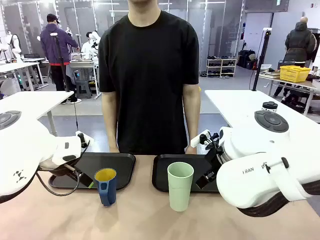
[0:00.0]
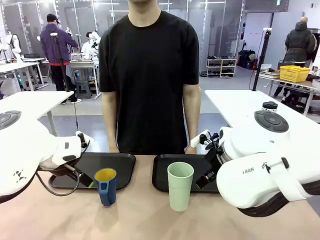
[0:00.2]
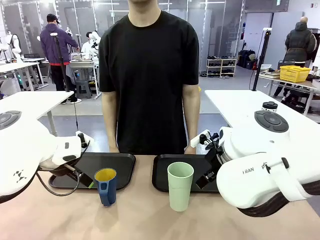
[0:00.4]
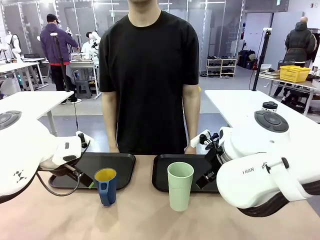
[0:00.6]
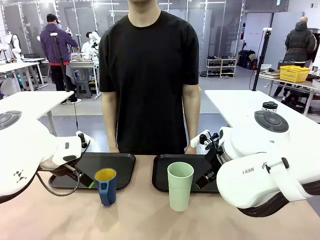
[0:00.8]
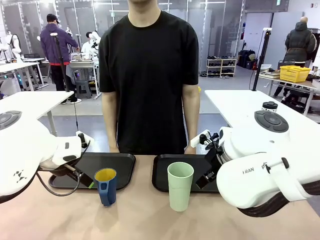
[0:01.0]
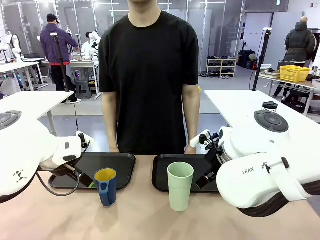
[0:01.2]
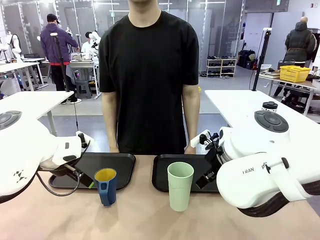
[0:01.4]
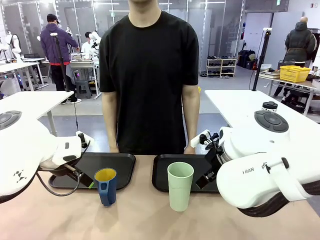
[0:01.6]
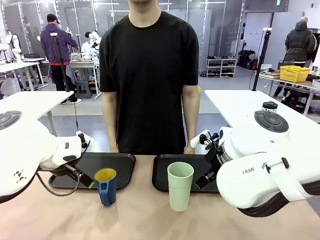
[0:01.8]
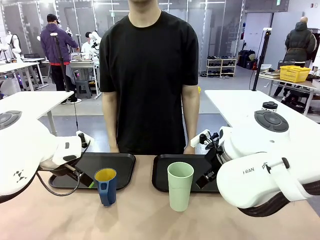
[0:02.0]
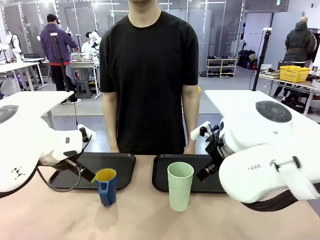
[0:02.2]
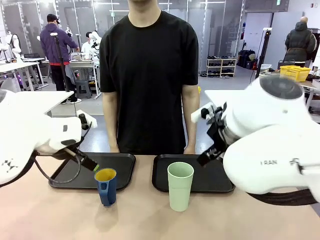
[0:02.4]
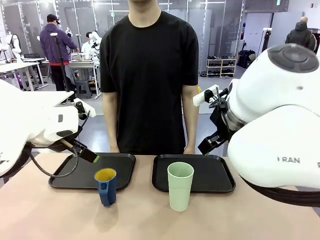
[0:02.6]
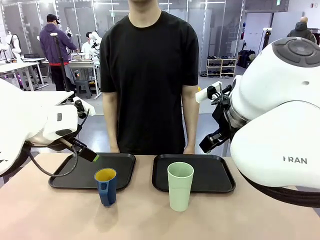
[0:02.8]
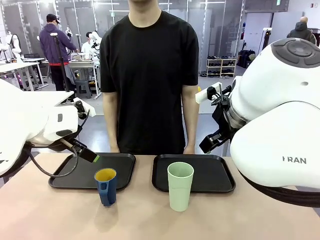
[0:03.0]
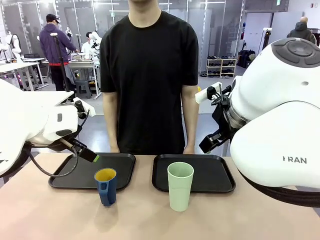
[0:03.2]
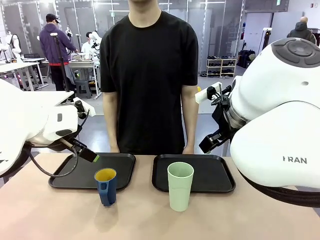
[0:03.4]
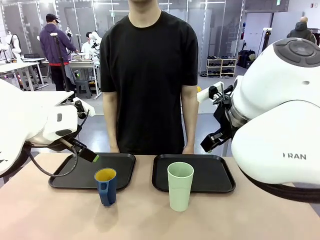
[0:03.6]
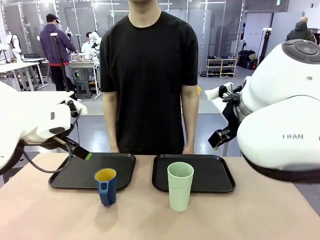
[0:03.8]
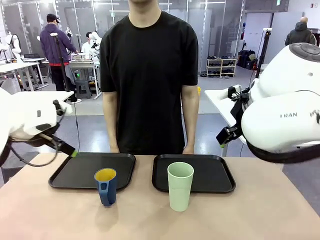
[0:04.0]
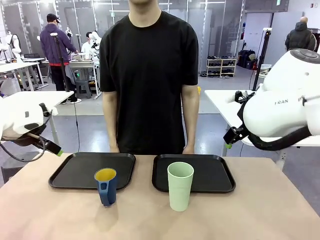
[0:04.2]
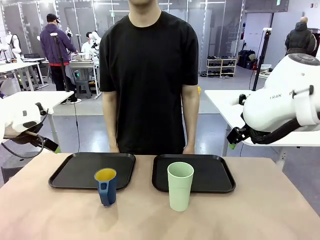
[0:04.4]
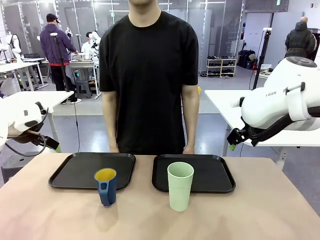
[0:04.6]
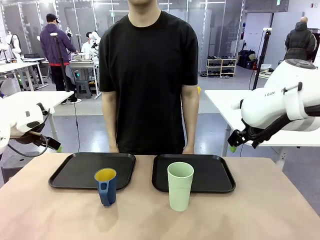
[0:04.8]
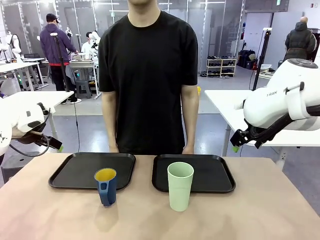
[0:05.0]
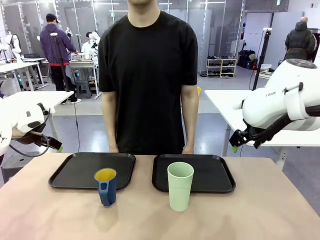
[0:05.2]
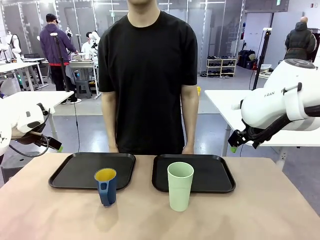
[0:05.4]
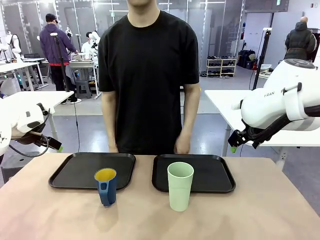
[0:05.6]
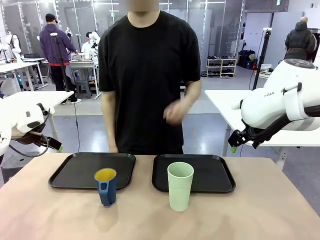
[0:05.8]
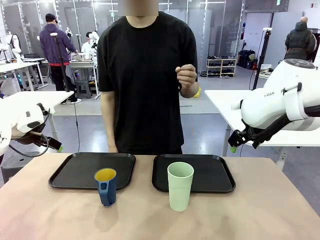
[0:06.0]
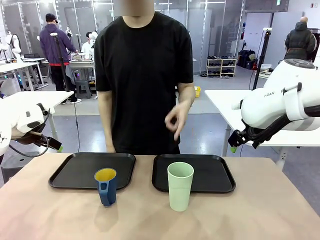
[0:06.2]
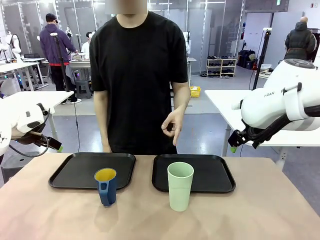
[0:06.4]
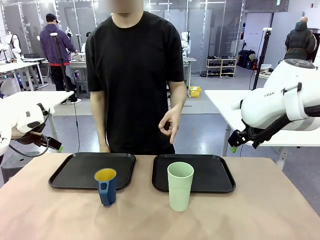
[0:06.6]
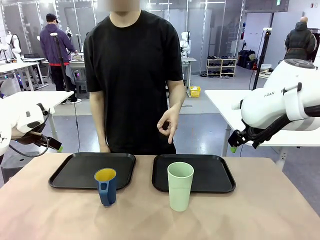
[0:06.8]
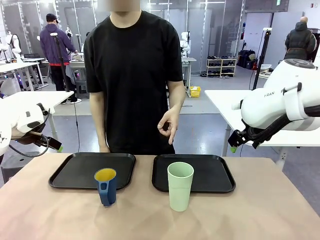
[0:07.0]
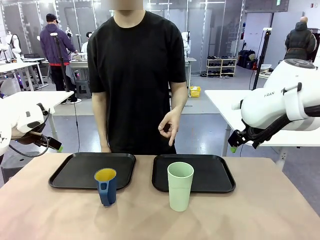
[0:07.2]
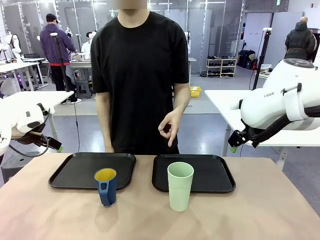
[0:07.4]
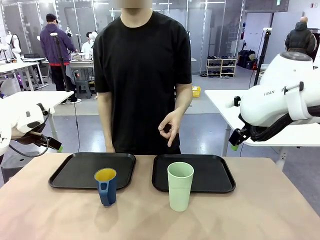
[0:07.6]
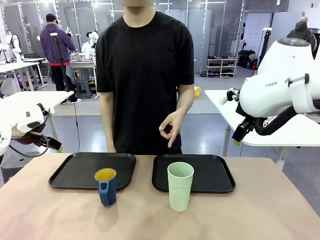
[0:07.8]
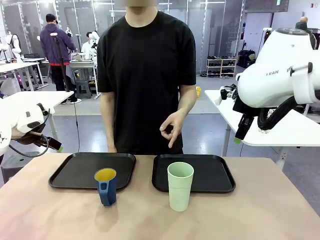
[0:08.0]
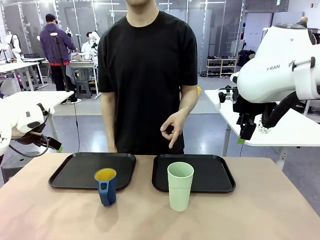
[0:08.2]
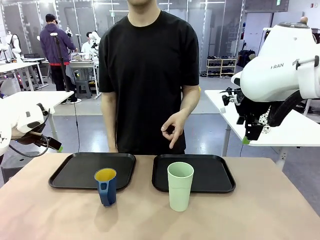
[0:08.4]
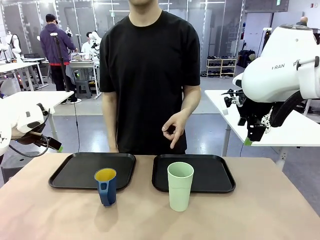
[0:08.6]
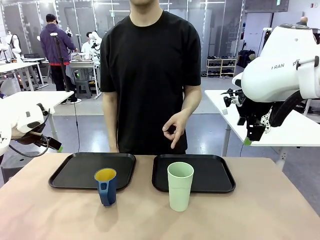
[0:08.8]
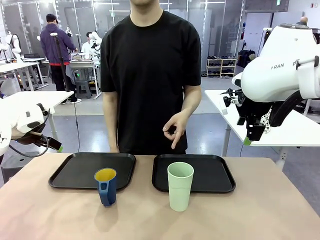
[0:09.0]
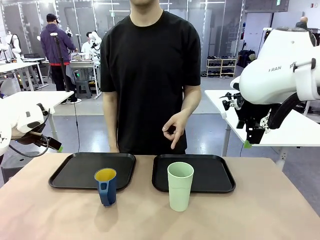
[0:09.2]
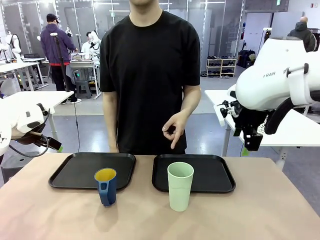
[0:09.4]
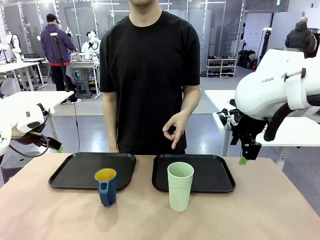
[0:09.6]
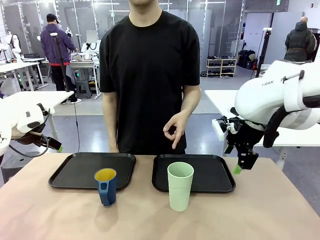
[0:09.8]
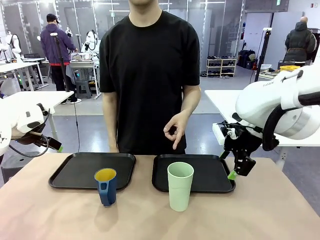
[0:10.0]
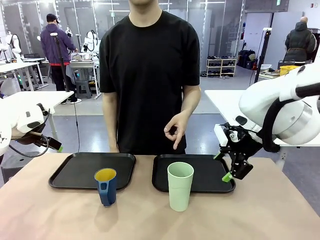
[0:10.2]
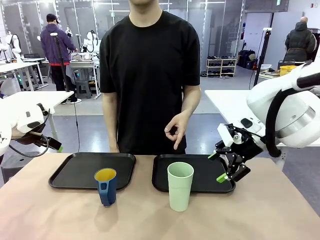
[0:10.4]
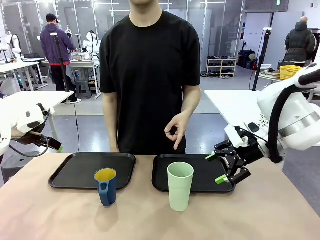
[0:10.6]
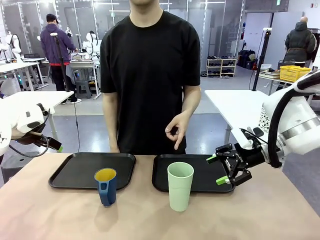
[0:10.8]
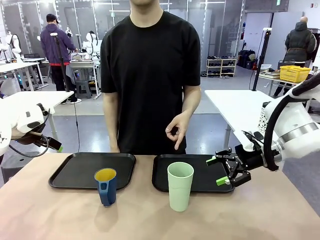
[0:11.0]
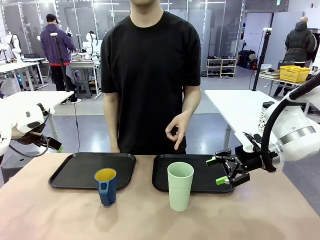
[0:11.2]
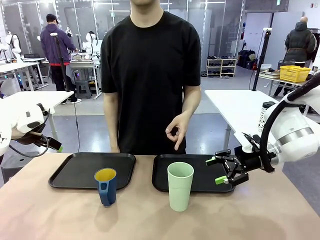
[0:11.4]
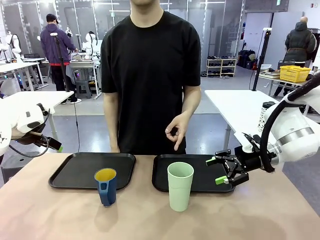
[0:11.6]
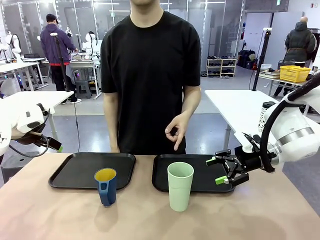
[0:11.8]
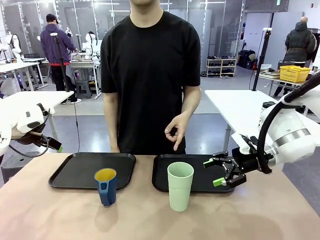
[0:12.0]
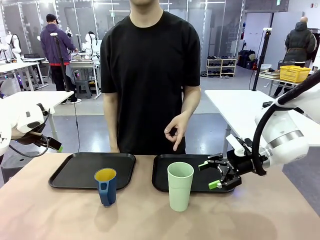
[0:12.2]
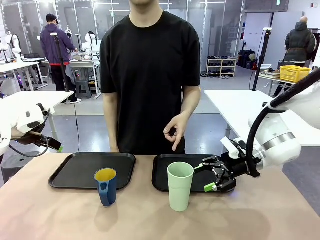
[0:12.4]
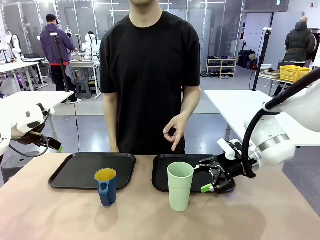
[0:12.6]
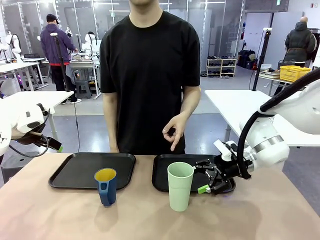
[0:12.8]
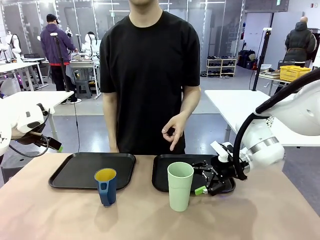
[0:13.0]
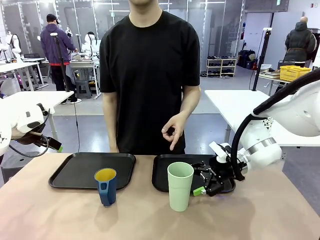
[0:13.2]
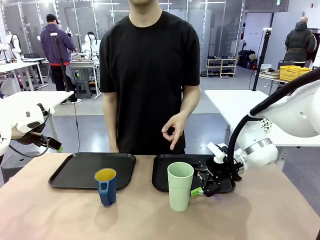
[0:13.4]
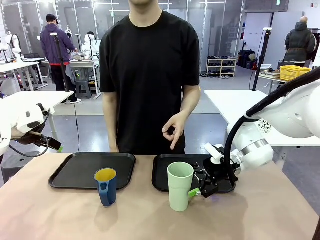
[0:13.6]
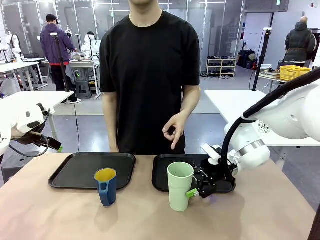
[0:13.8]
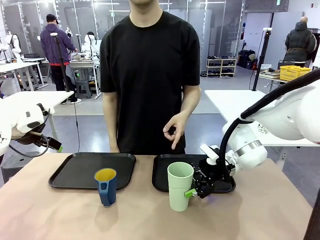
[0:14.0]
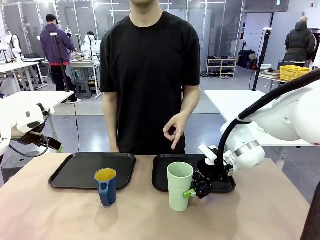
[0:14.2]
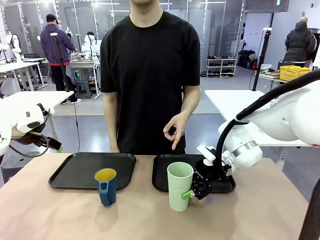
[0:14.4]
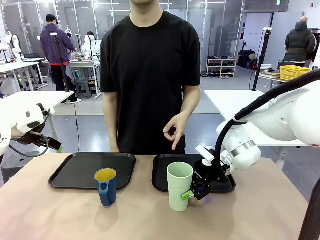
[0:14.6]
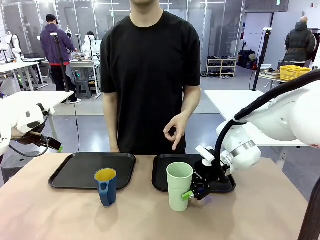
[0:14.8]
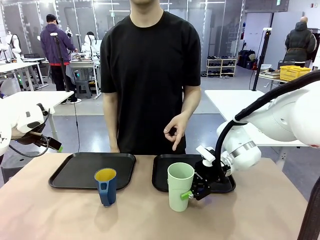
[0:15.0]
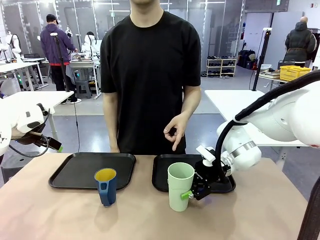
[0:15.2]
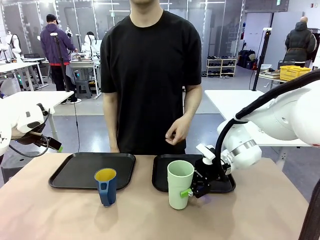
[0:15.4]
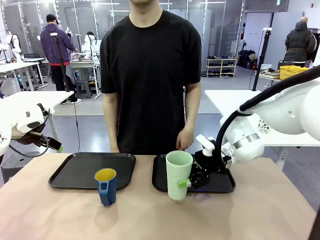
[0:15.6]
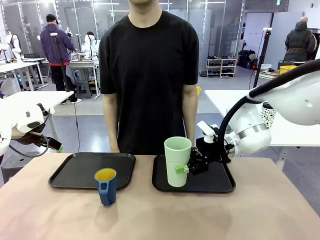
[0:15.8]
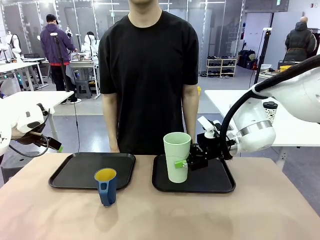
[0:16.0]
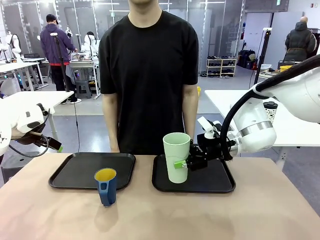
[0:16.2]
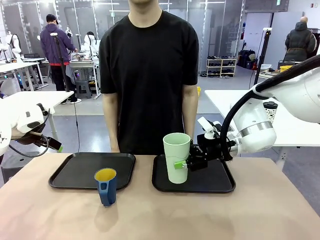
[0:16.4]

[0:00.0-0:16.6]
Task: Sort and store the cups by type.
Robot: Pick up the Reusable plastic cup.
Person: Points to the reusable cup. Point to one of the two trays.

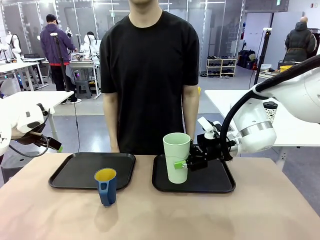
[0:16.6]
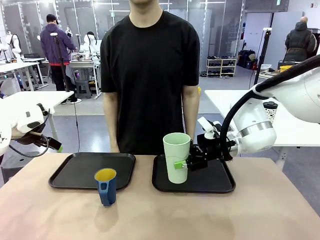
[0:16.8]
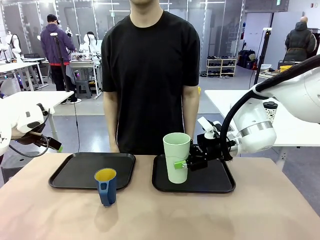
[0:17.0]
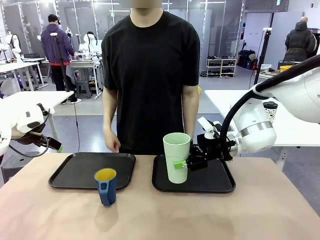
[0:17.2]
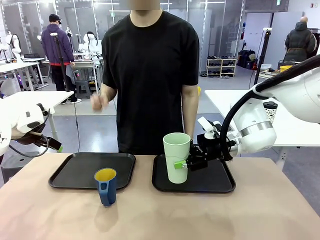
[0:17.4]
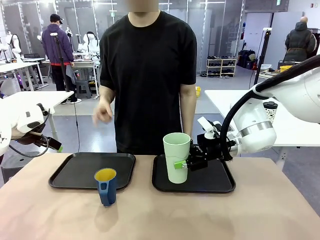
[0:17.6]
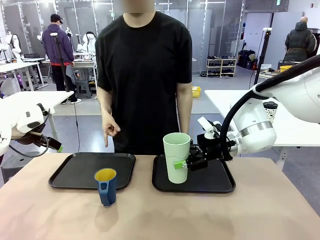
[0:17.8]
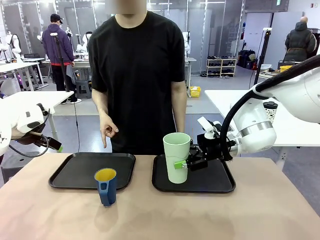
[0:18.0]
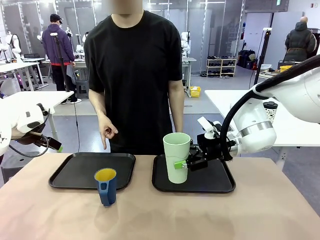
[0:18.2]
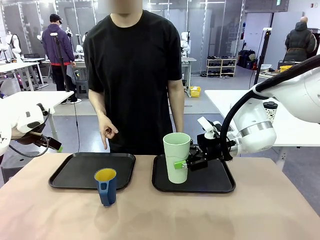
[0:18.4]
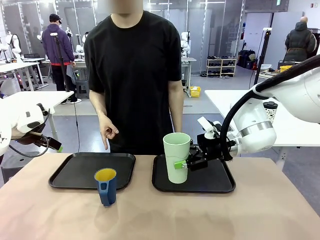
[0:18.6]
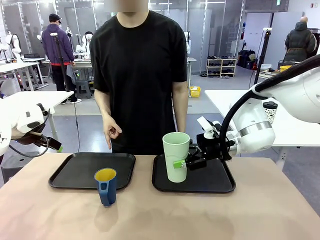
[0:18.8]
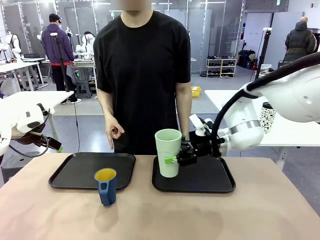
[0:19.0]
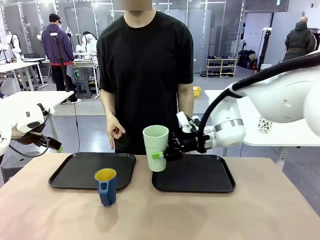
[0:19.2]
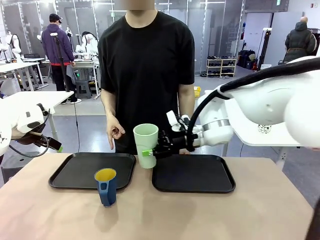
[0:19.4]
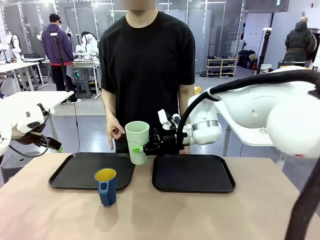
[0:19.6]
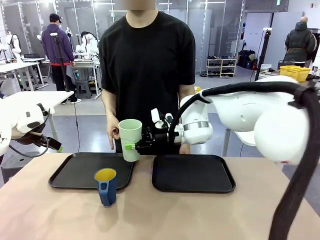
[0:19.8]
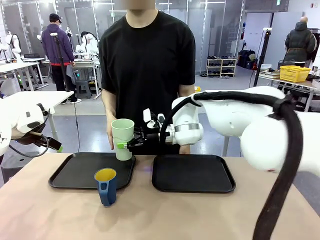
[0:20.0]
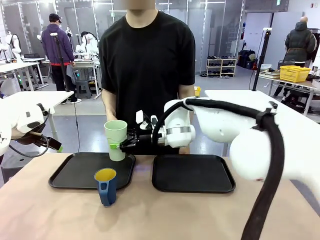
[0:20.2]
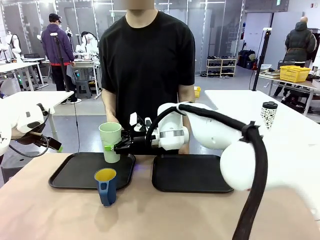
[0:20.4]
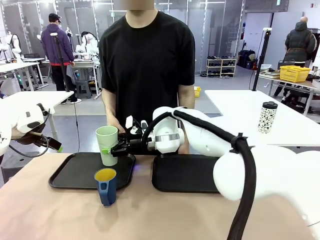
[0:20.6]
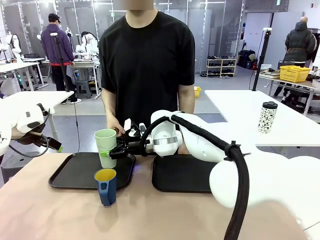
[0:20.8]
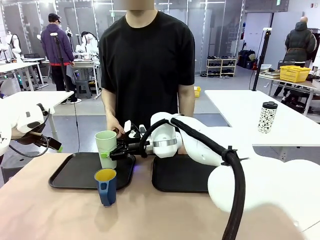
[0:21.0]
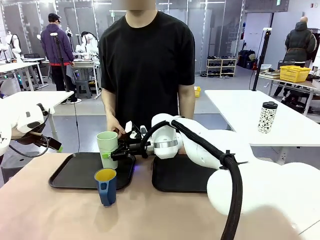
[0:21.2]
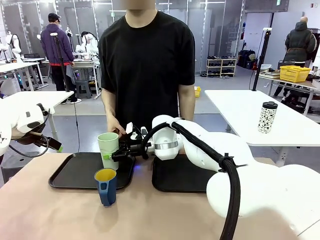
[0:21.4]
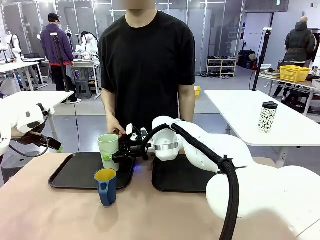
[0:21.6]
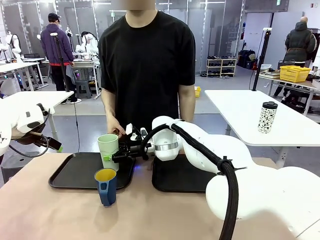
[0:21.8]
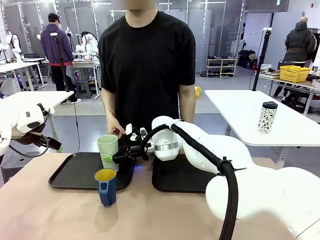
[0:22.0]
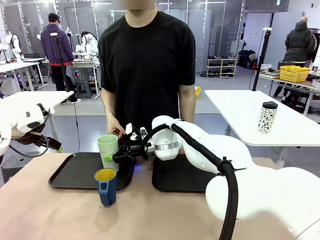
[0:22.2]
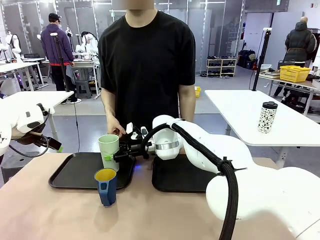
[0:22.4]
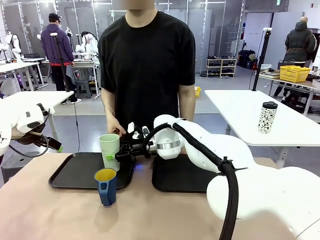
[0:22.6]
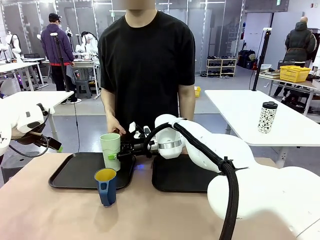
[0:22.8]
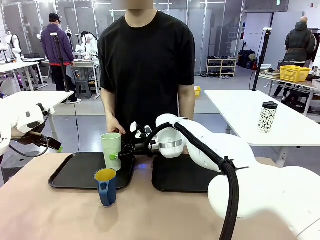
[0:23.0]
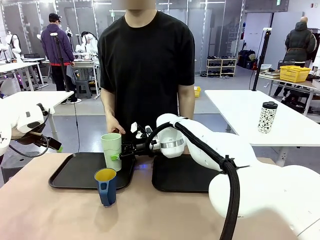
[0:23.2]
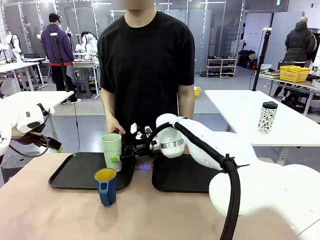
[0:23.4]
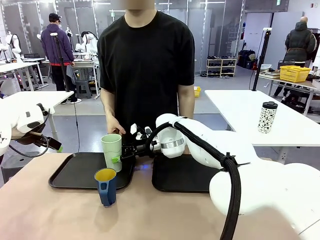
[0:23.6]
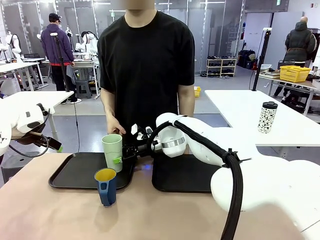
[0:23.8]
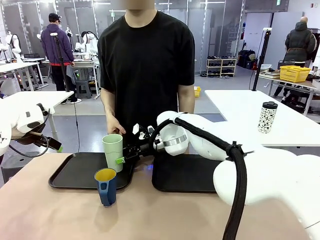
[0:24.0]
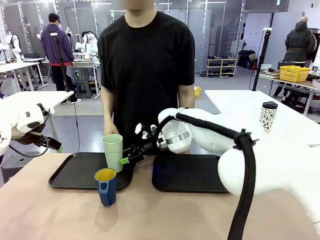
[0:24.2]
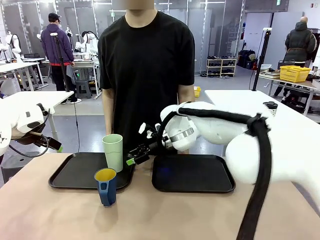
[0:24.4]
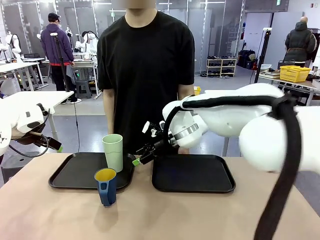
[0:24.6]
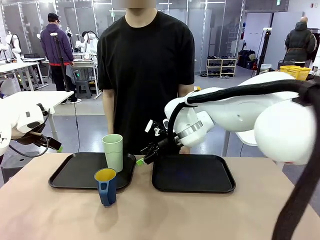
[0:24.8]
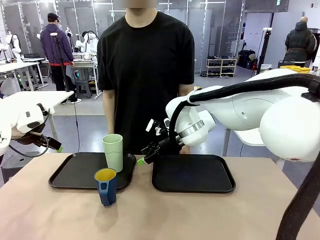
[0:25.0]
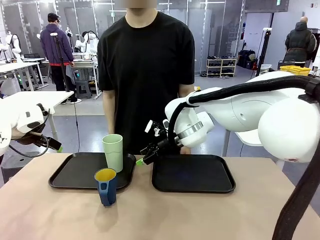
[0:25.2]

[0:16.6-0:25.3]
Robot: Place the picked Reusable plastic cup into the Flat Tray indicated by the person.
